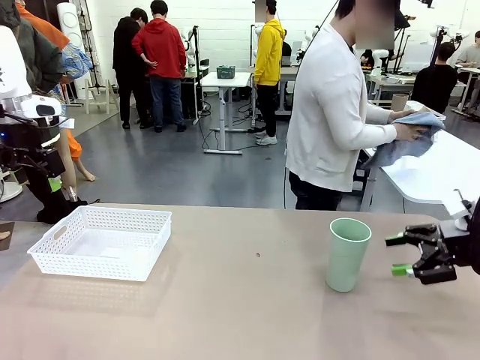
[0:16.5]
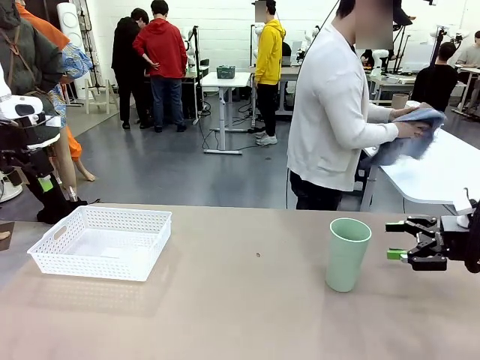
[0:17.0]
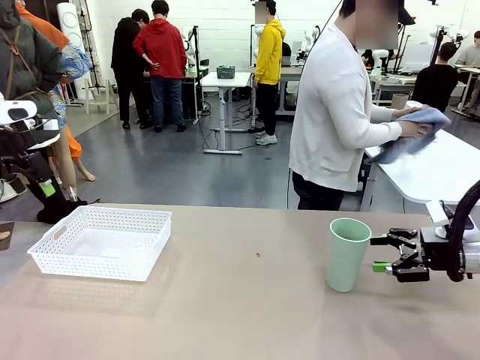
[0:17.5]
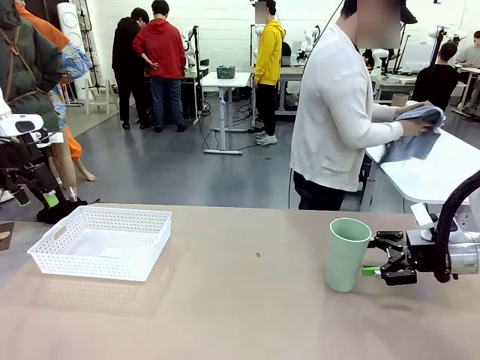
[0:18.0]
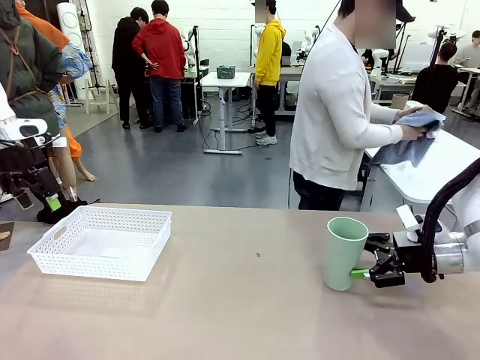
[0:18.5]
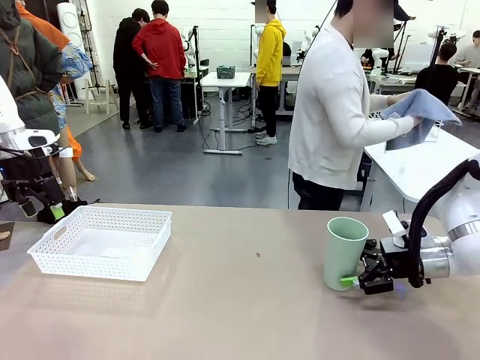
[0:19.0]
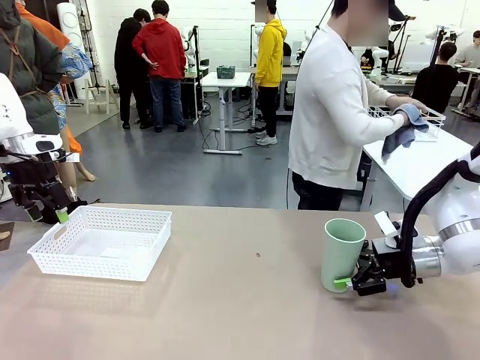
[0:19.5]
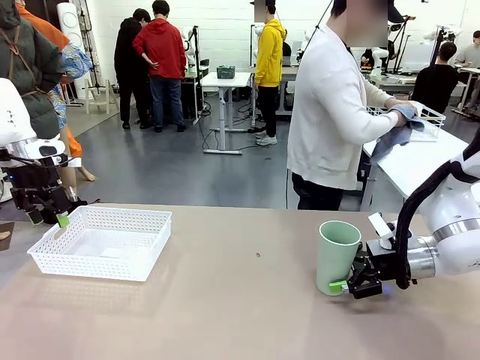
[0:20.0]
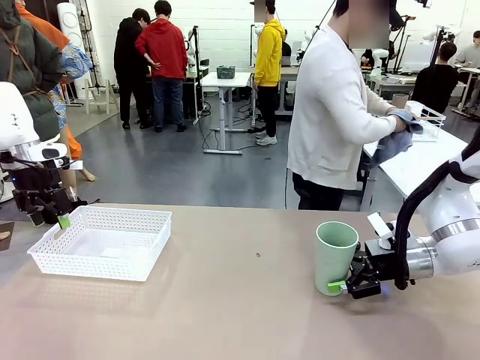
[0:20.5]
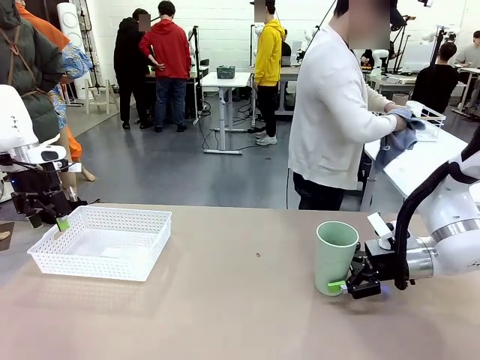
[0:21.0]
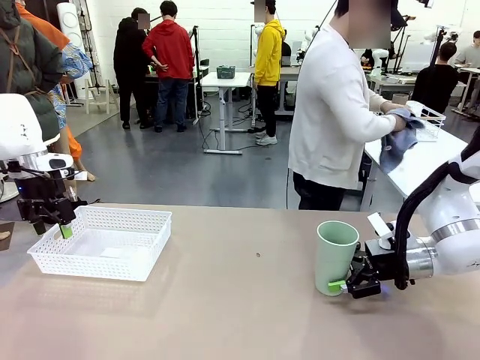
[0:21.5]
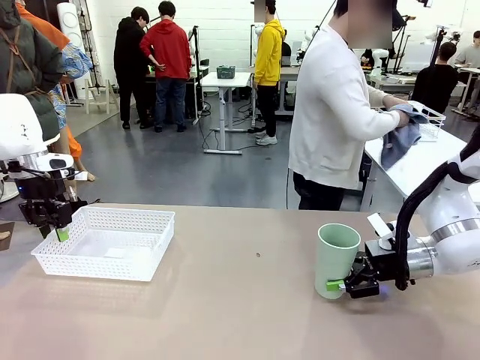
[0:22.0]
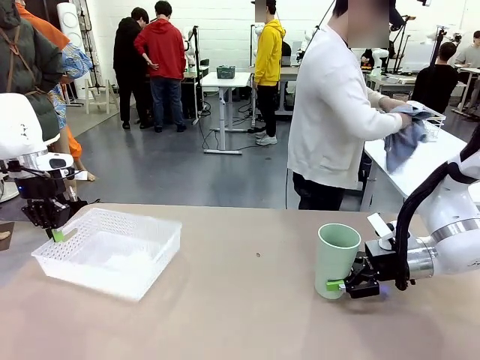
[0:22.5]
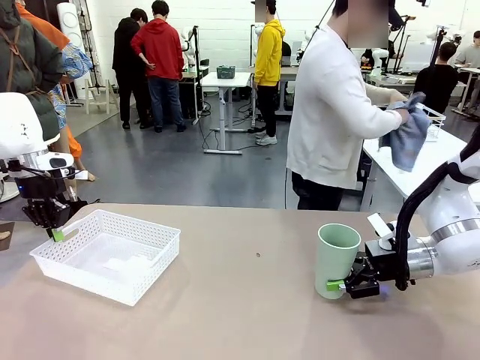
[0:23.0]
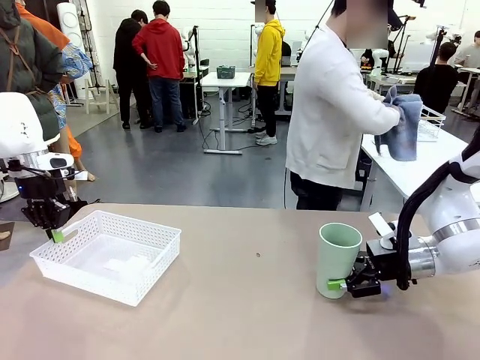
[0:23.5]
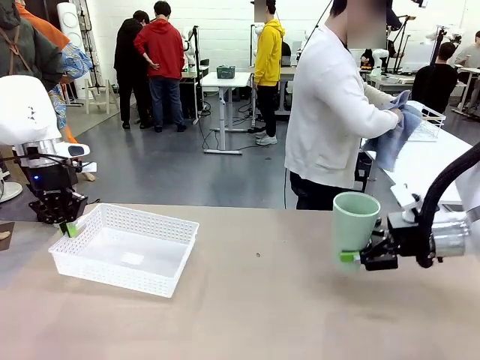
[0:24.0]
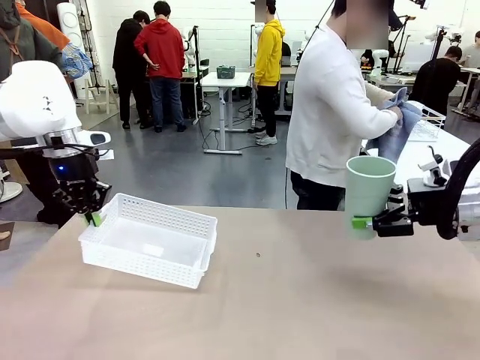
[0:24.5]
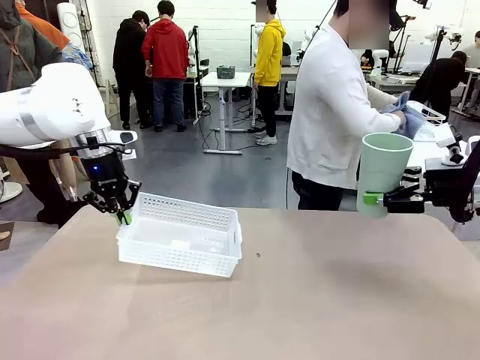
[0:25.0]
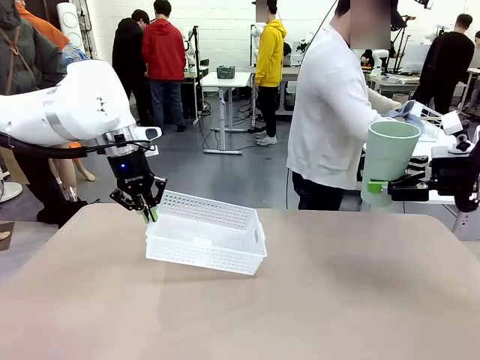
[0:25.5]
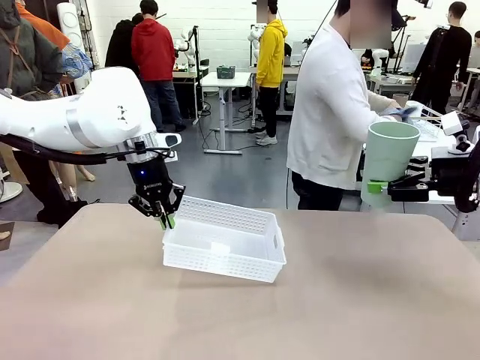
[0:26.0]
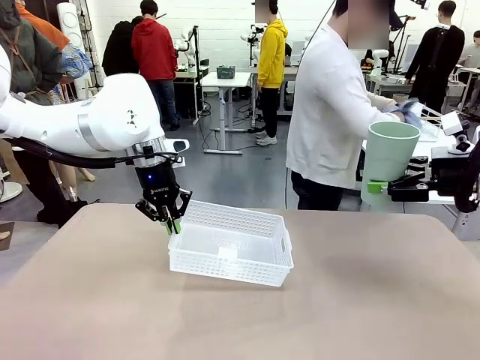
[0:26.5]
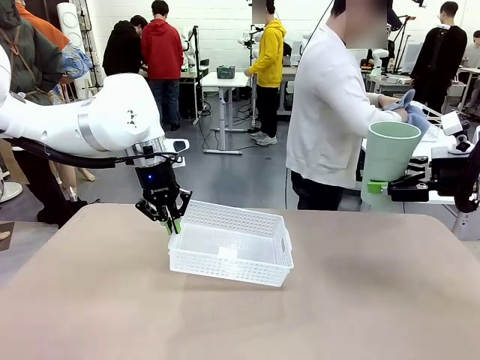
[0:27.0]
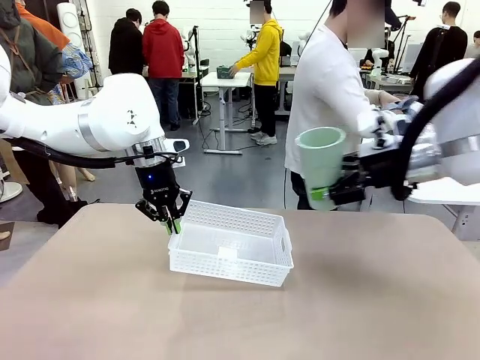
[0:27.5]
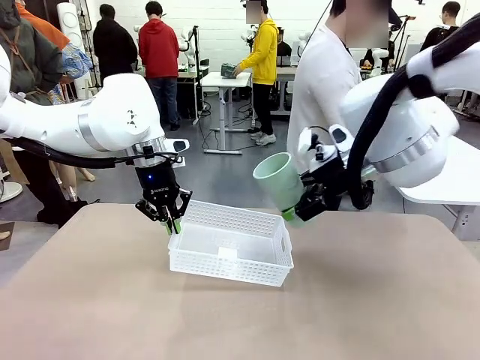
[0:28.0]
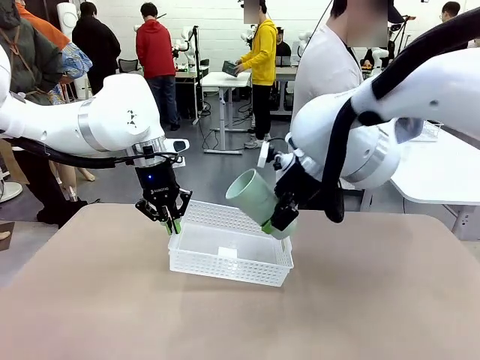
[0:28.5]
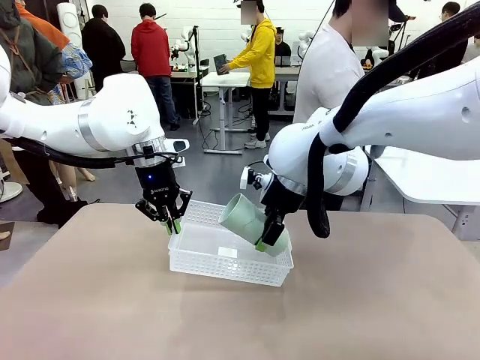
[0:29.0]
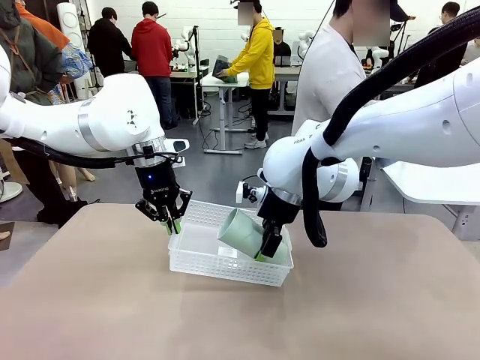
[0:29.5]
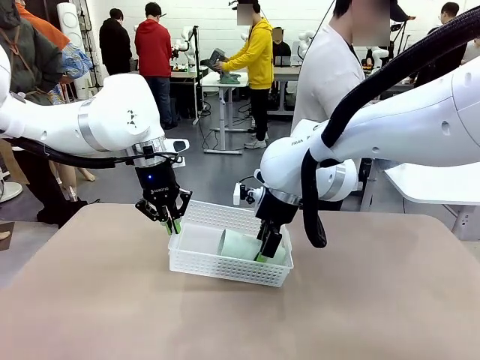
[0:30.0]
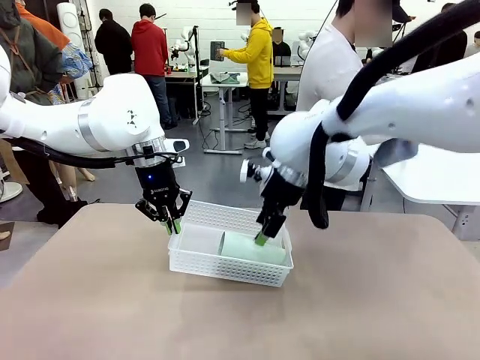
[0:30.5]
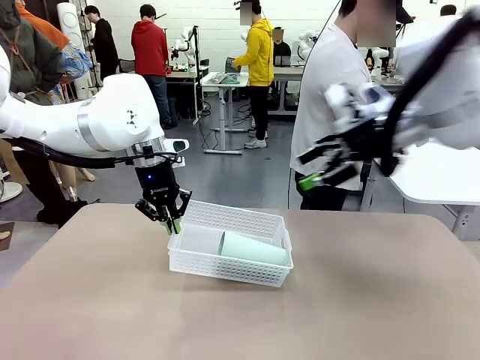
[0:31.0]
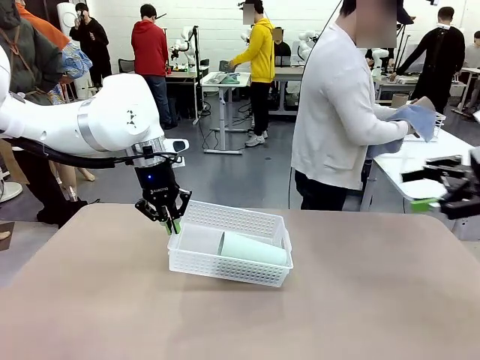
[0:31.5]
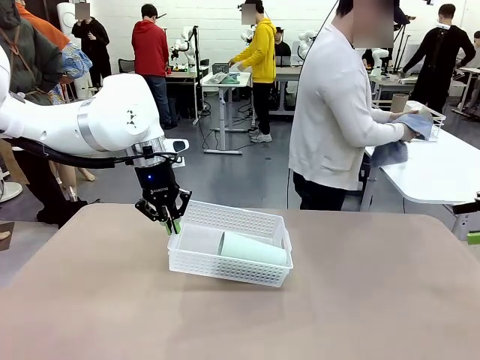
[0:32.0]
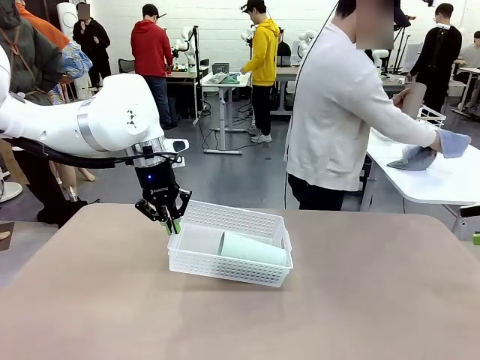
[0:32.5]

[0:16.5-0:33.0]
Task: Clean and organize the cups into the basket.
Robot: Pick up the Organizing basket and move it to the center of the table, then pick up the Reusable plastic cup from the right side of the table and place it inside the Organizing basket.

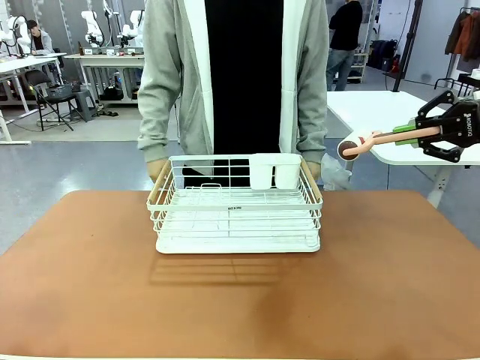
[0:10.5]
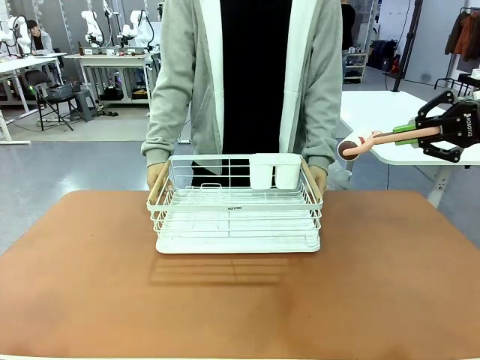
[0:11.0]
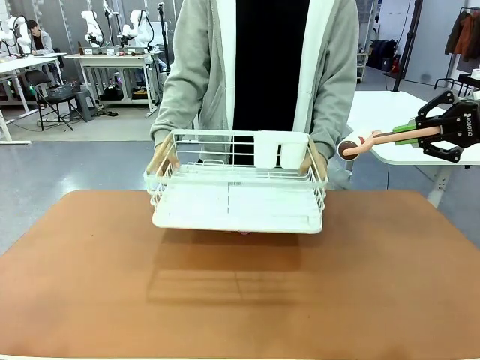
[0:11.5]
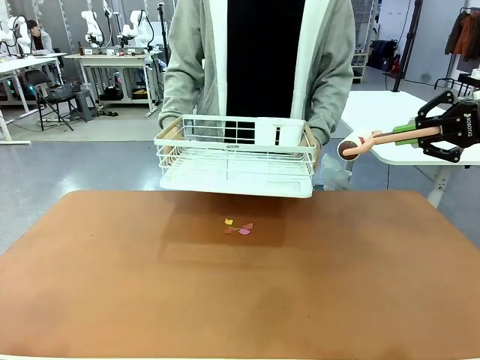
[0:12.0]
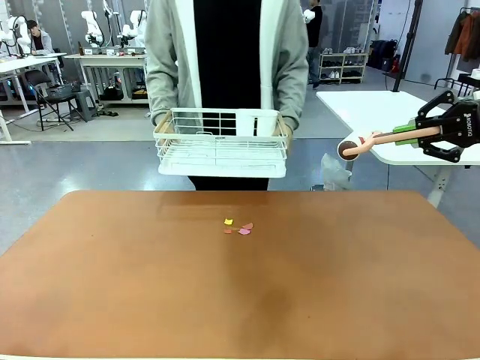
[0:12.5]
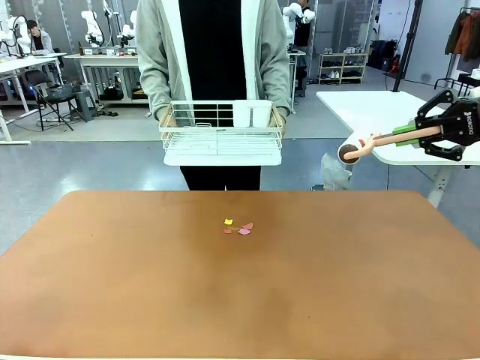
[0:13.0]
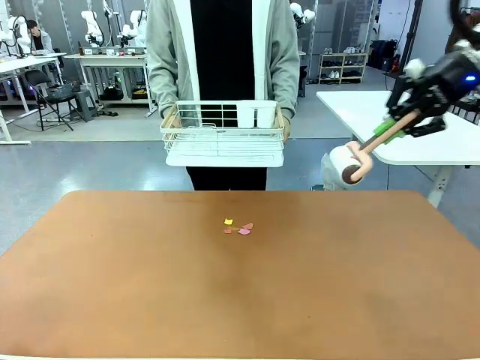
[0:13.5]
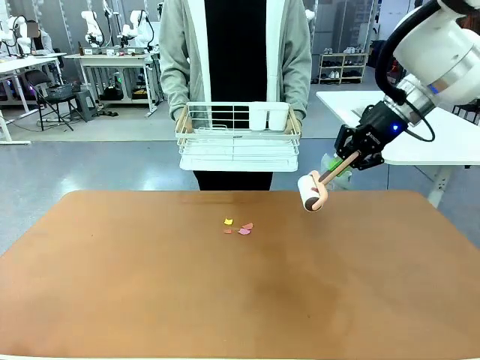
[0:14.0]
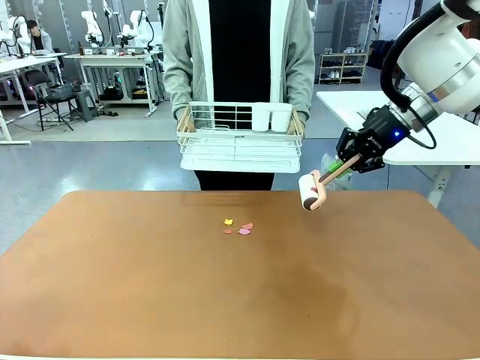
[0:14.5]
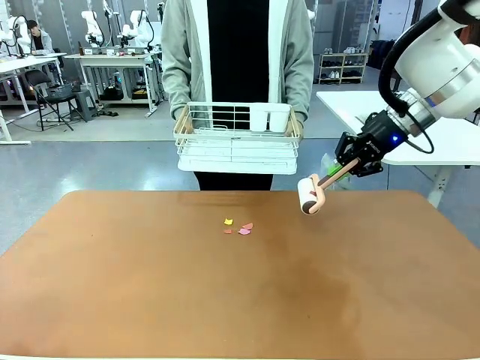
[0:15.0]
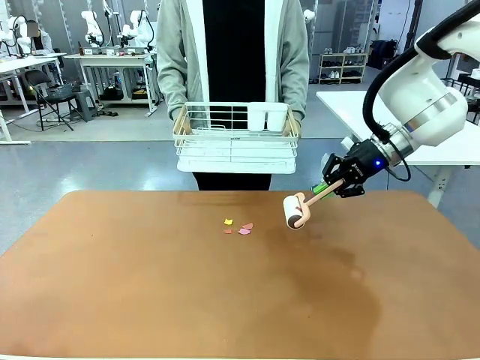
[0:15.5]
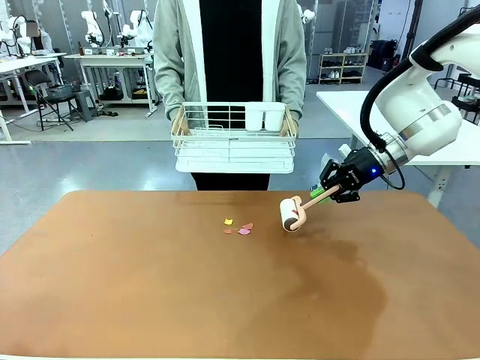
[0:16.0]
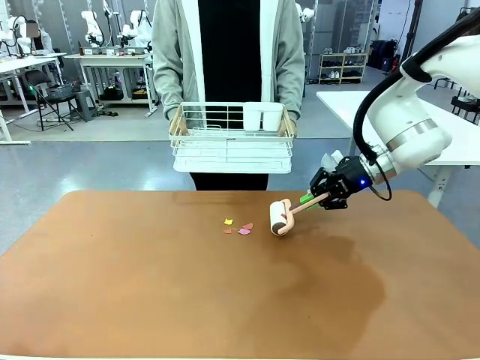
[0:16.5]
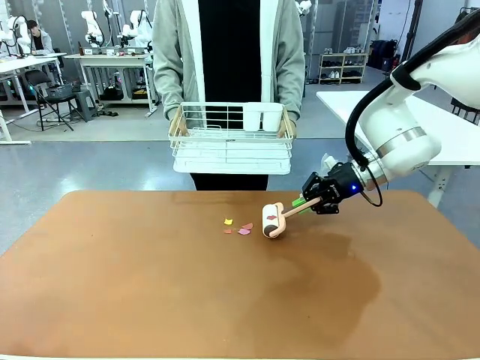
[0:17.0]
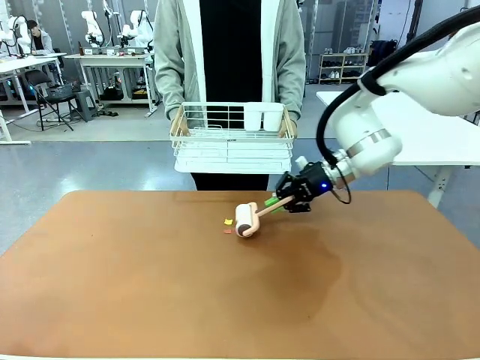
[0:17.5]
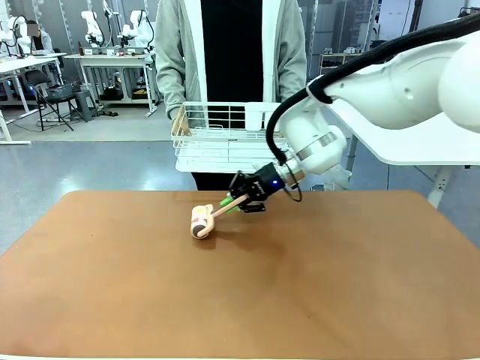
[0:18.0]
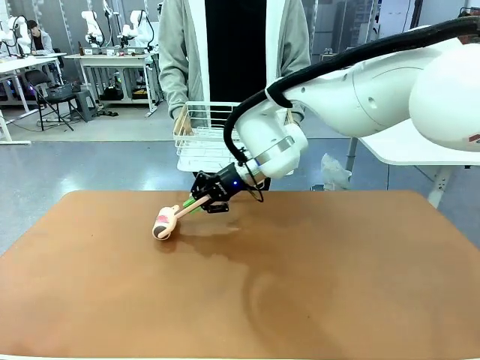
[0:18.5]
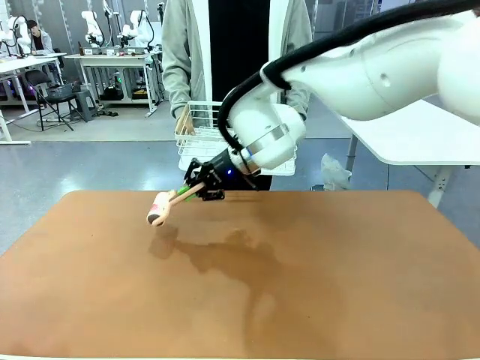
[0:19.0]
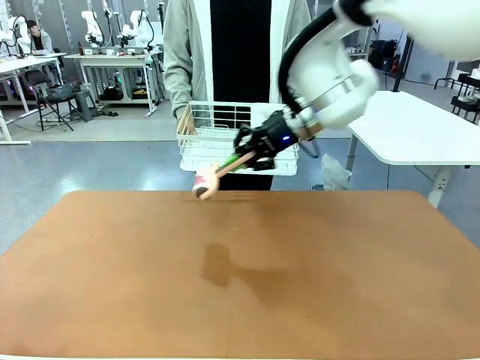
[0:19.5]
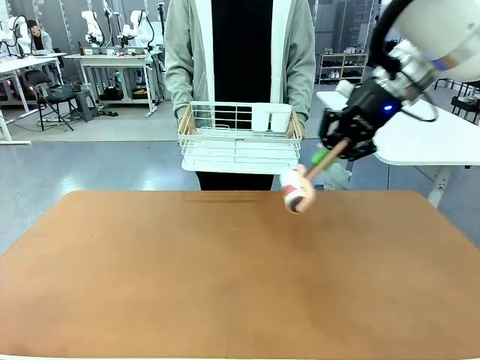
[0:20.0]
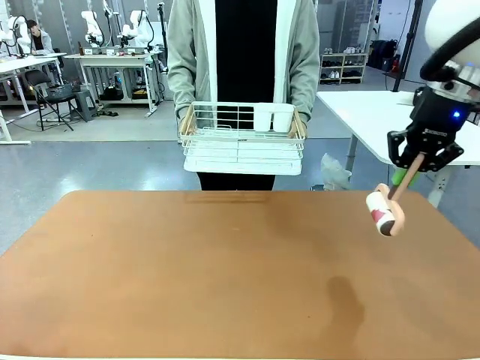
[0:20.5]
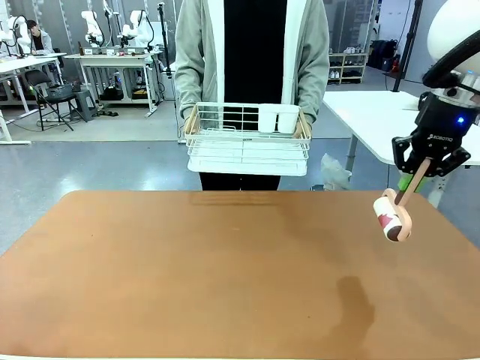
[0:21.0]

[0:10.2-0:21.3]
Task: Clean the table.
Robot: Clean the table with the Lint Roller when the human lifts the Dish drying rack.
Person: Place the Dish drying rack down when the robot finishes cleaning.
